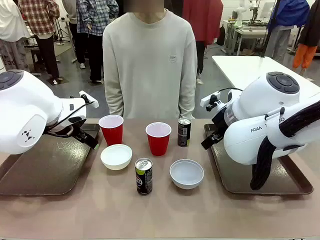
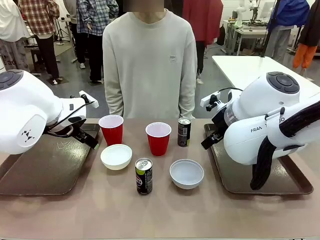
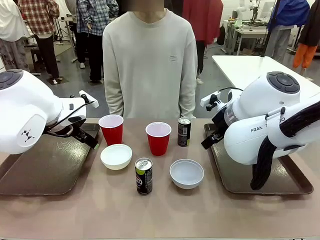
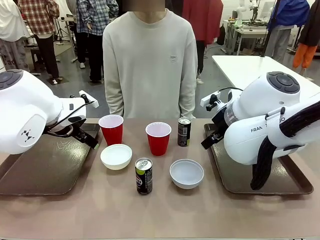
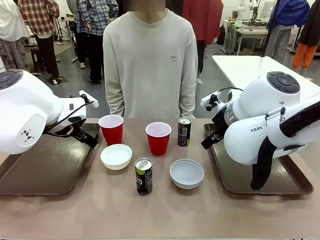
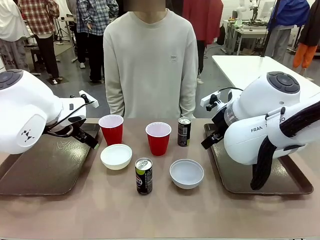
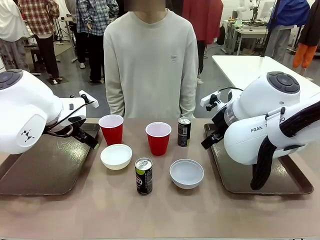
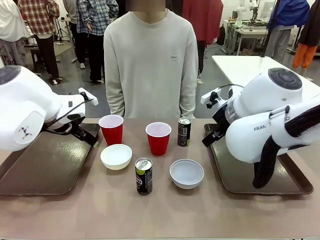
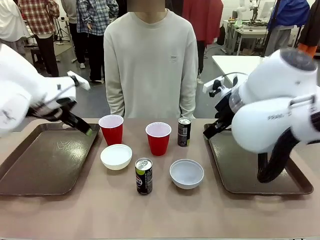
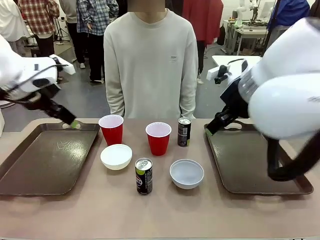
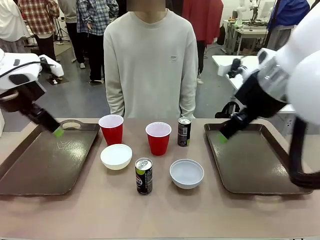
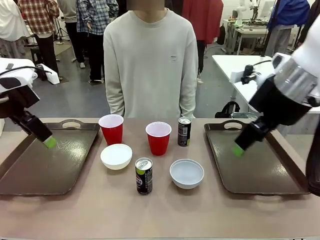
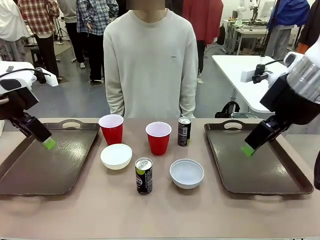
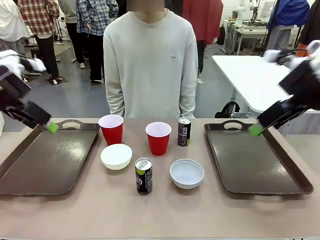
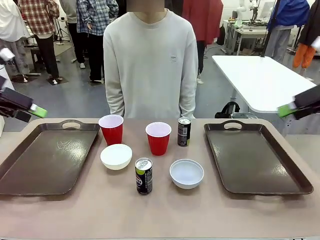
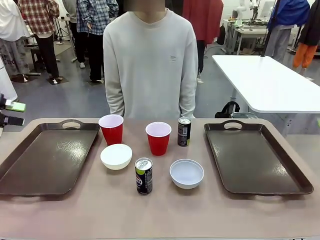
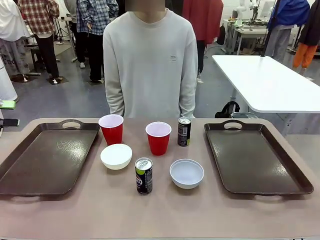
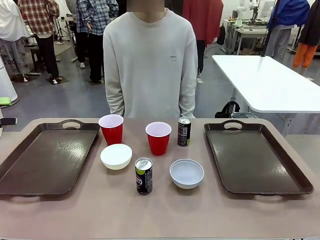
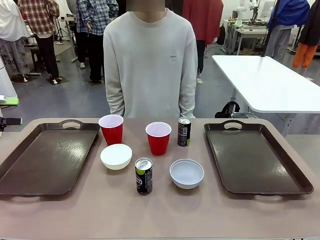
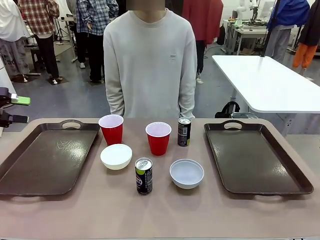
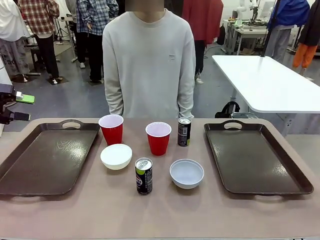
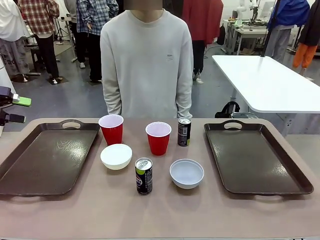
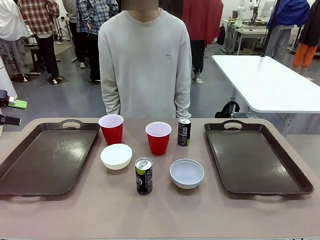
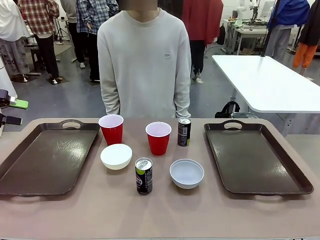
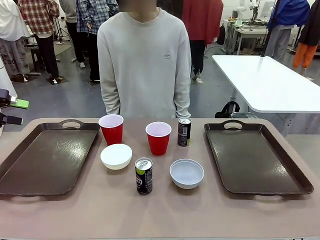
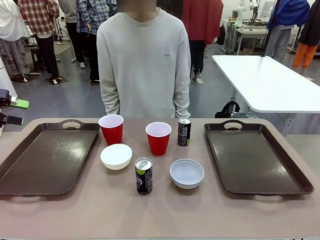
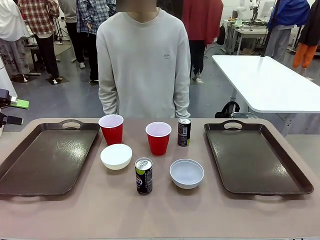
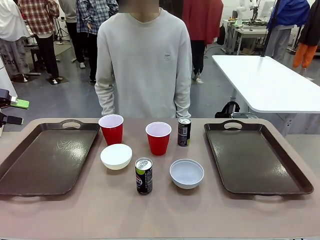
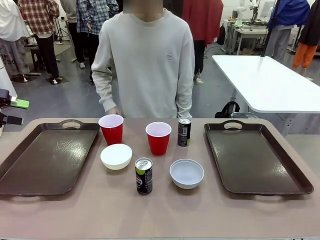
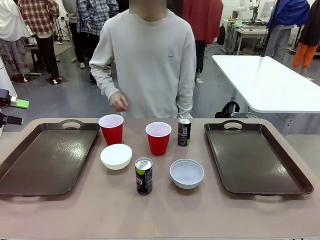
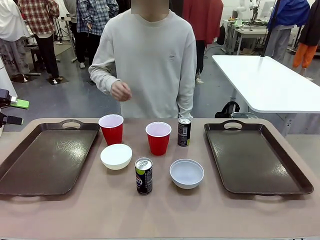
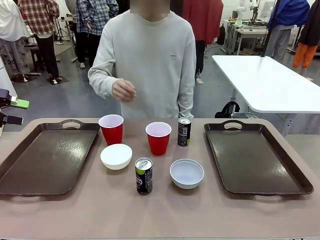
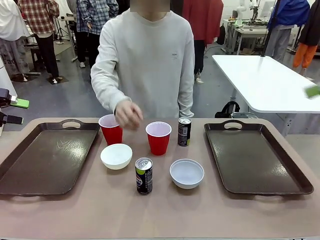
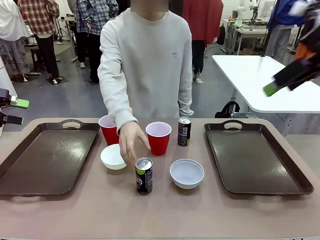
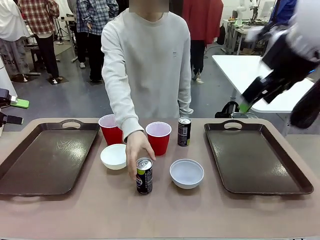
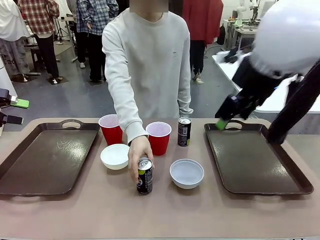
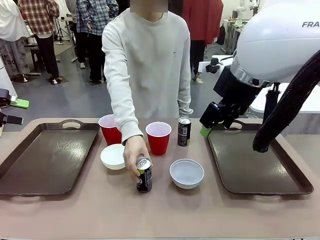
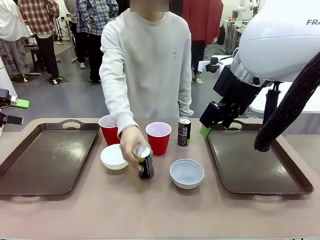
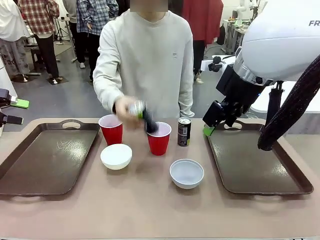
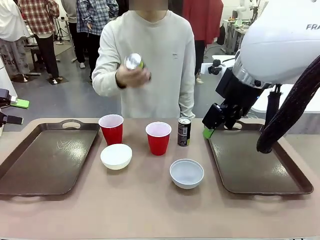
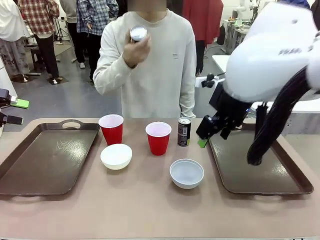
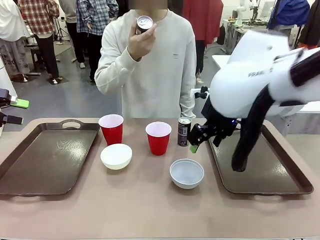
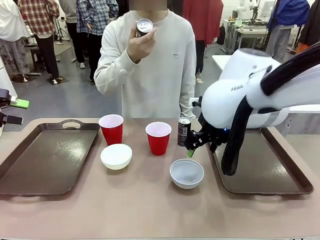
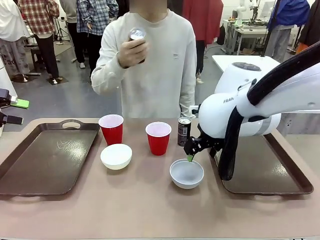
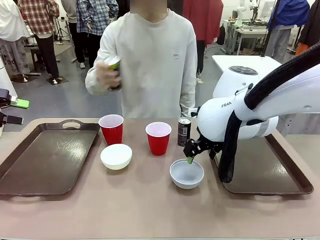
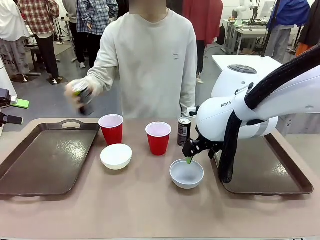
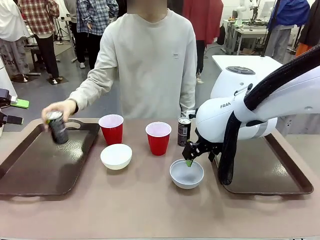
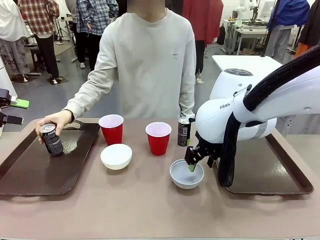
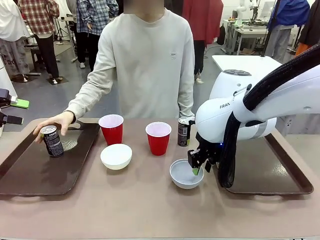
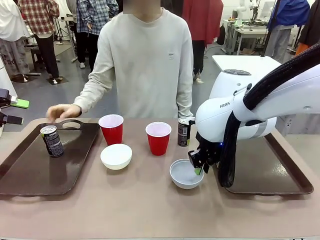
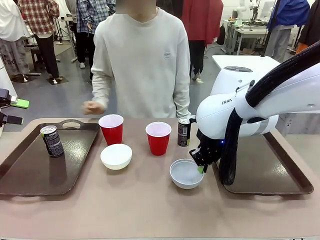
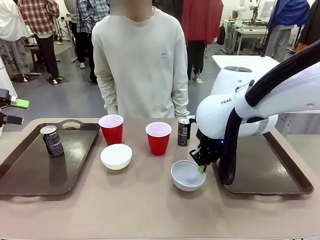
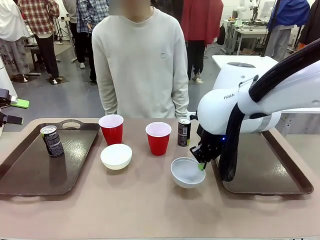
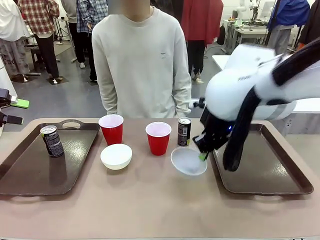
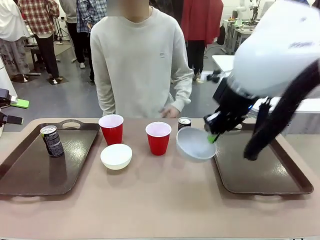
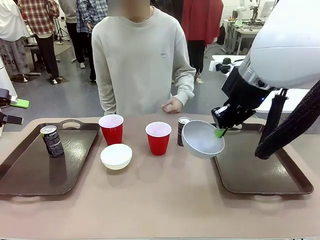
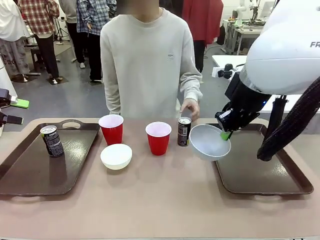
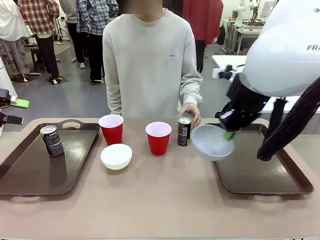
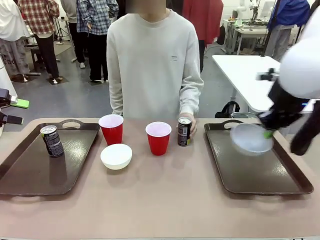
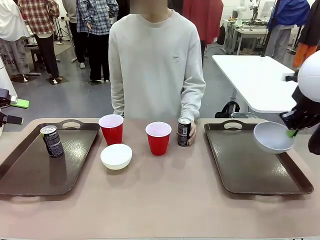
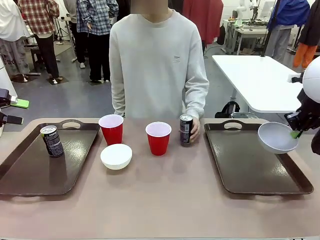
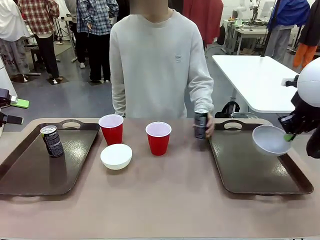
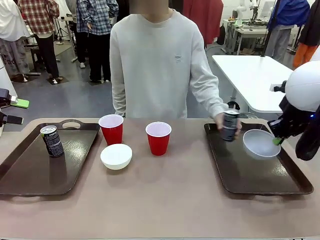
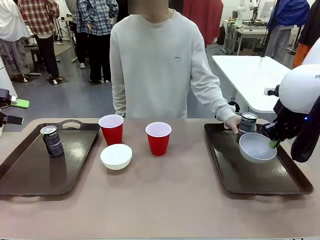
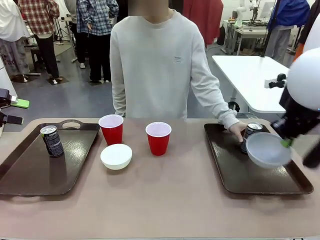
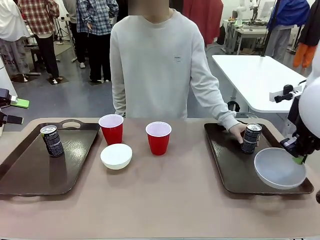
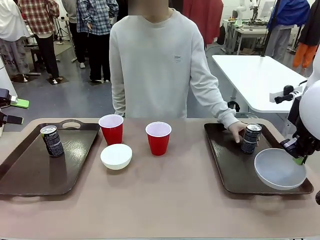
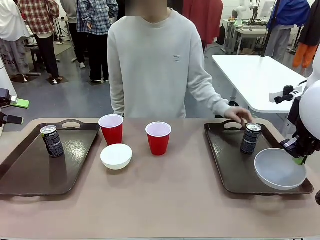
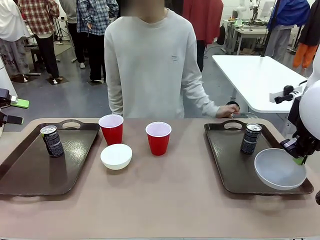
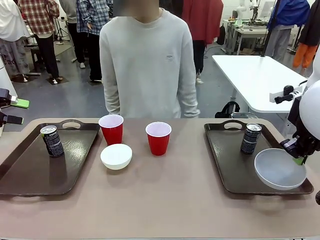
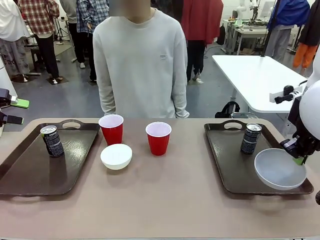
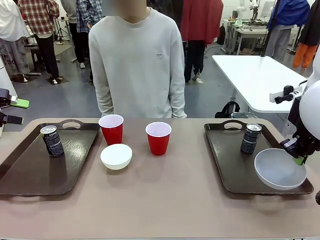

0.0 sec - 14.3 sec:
Task: Prepare tableware on both trays.
Robot: Pick up a Picnic Bowl from the table and place it on a Handle tray.
Person: Pick up a can or cup and place it on the tray.

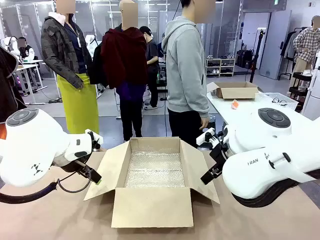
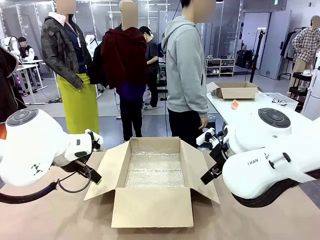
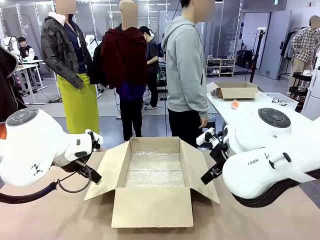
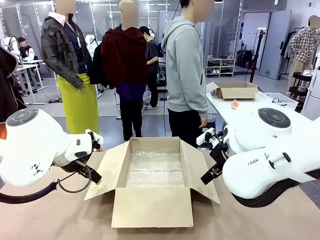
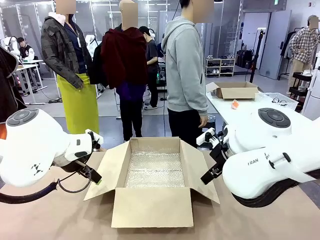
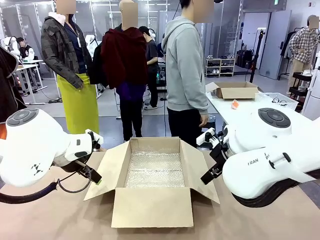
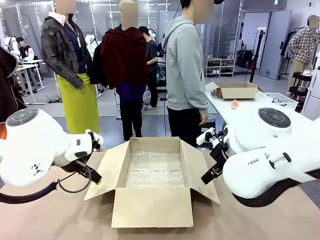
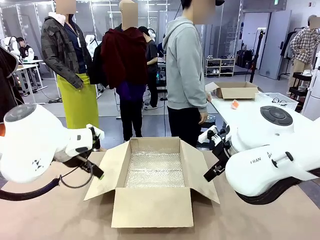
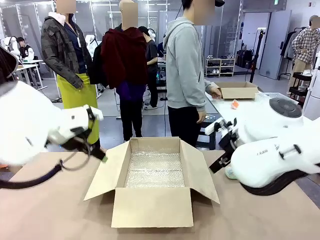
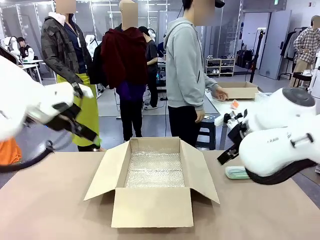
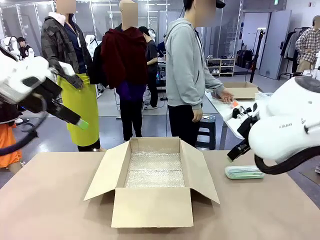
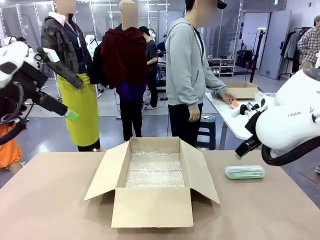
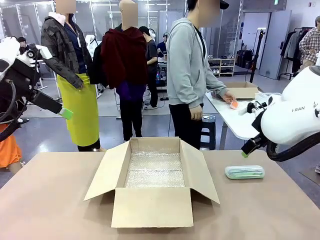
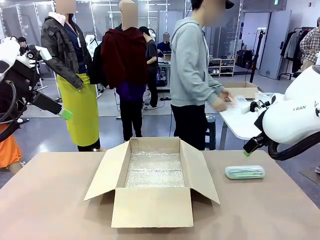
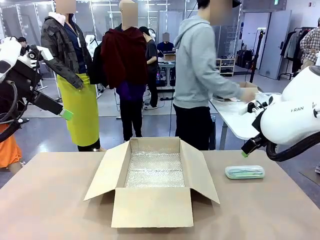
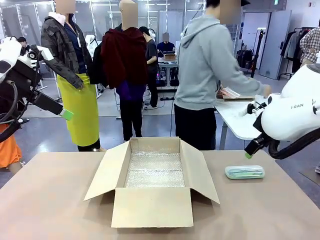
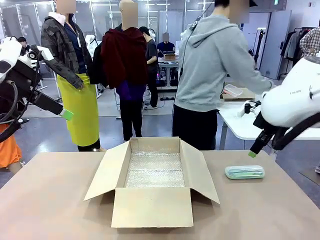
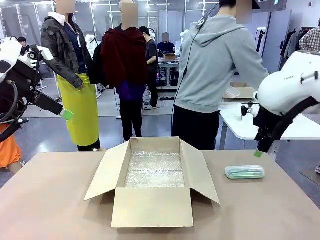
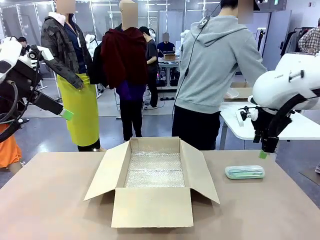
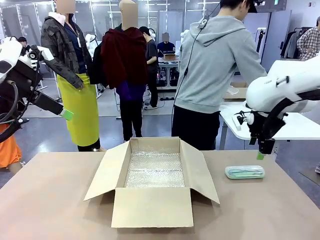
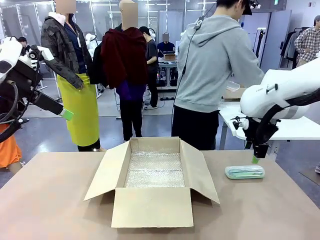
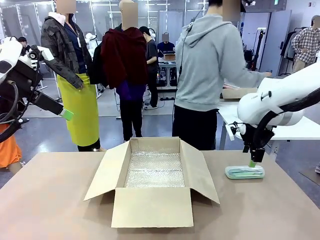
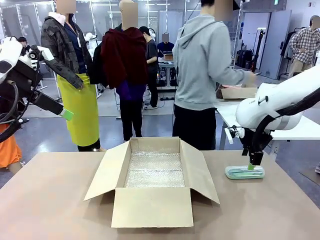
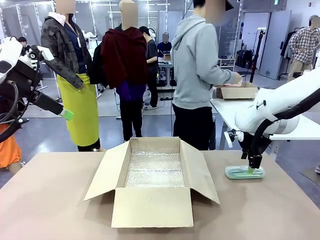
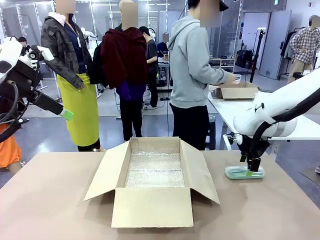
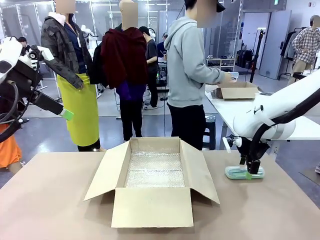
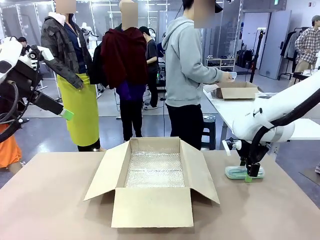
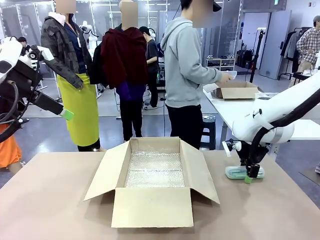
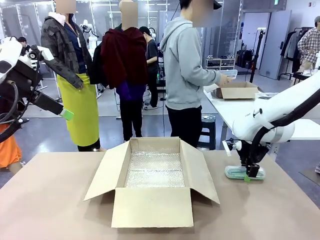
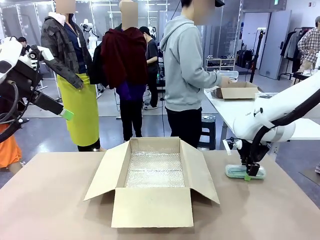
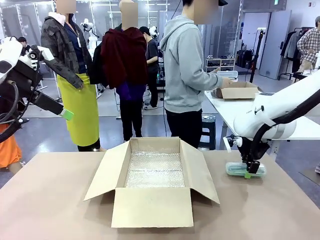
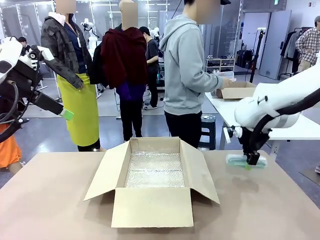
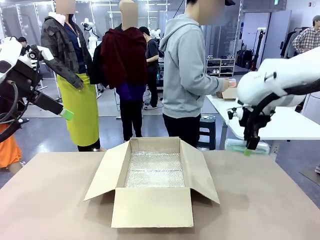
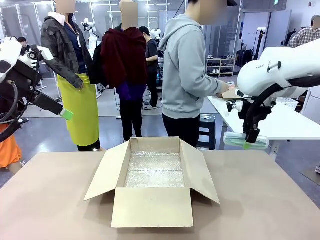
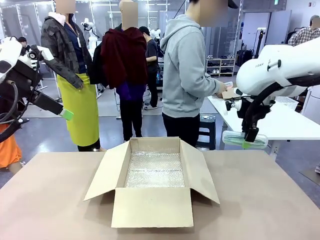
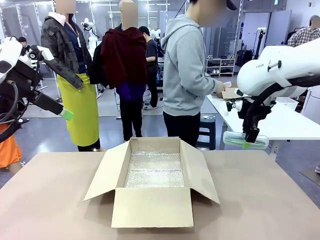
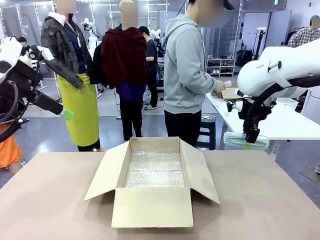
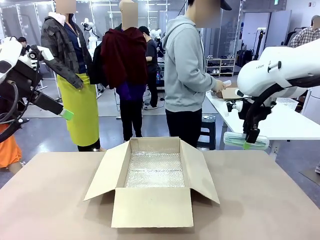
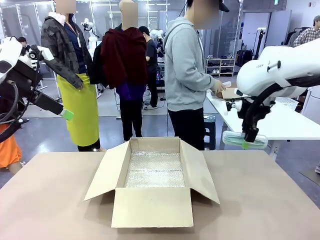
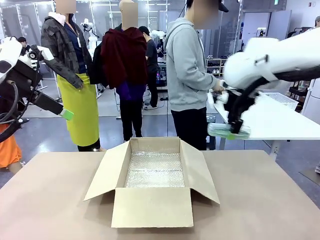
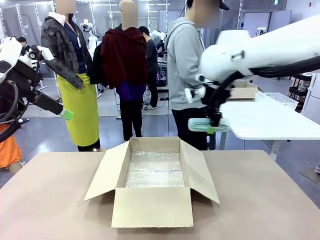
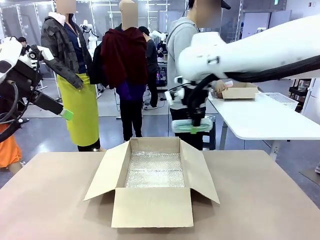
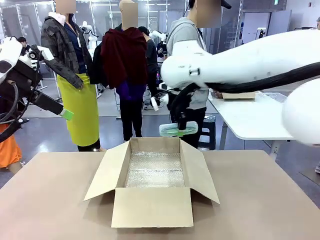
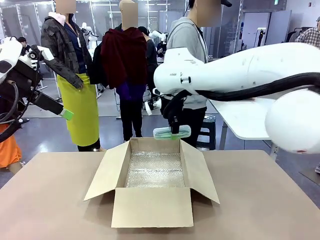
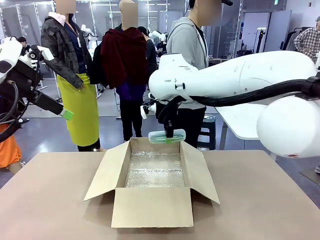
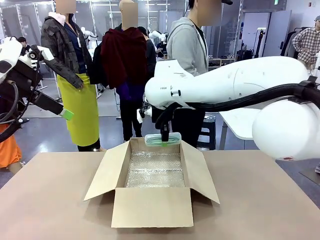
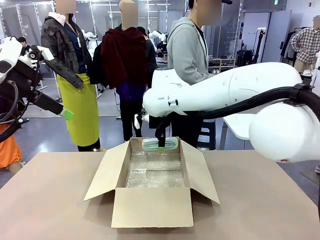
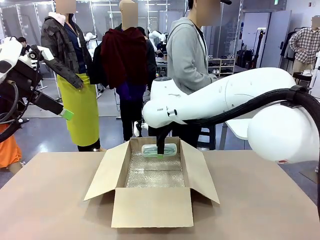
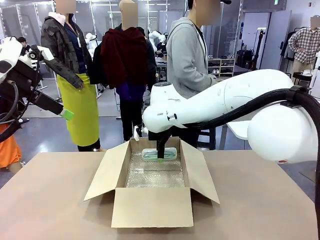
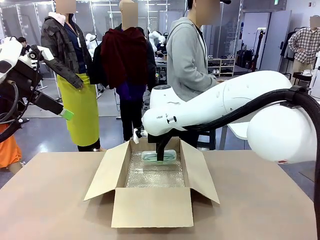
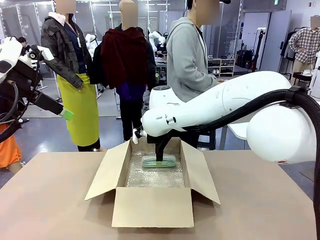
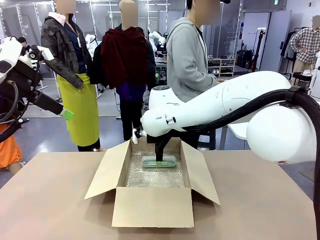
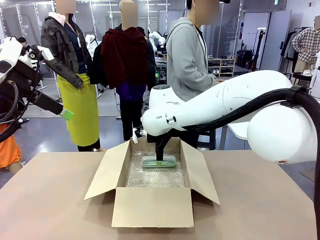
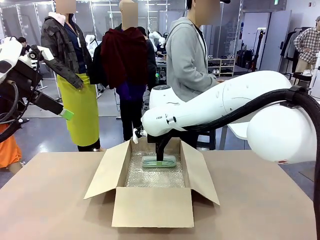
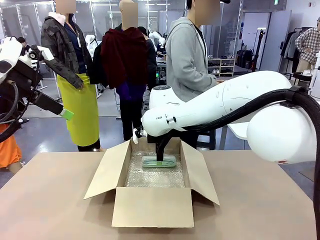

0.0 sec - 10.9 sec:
Task: Pack the glasses set securely to prepare it for shipping.
Robot: Place the Glasses case inside the Package Box.
Person: Place the Glasses inside the Glasses case.
